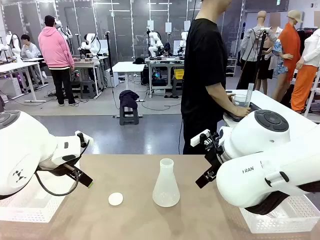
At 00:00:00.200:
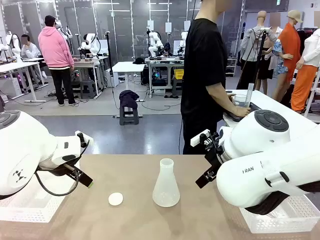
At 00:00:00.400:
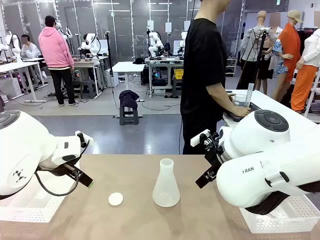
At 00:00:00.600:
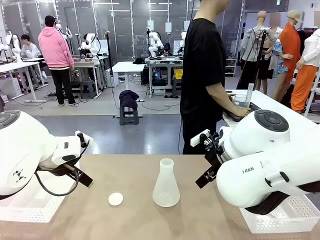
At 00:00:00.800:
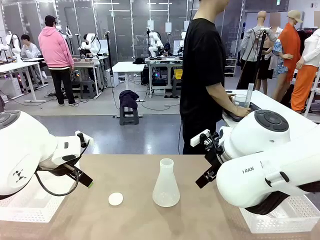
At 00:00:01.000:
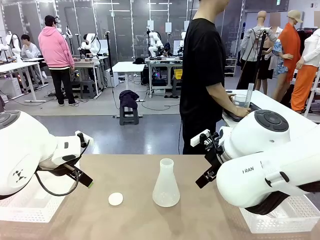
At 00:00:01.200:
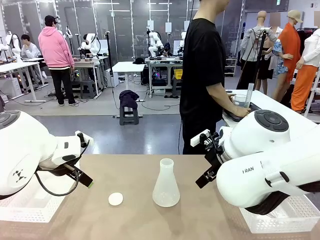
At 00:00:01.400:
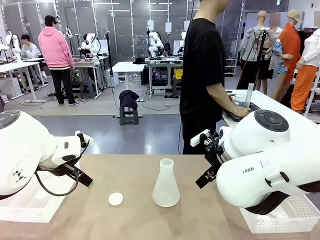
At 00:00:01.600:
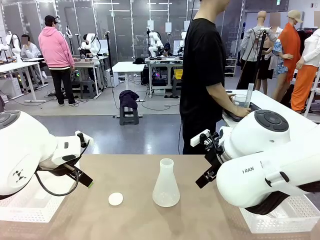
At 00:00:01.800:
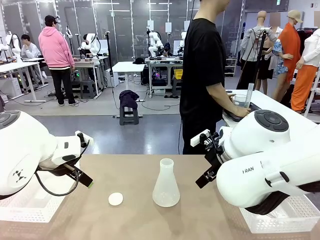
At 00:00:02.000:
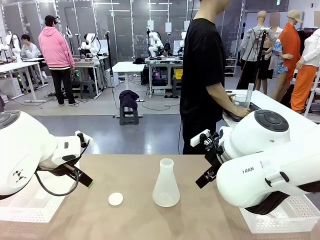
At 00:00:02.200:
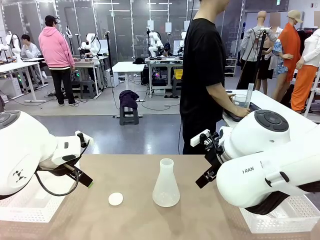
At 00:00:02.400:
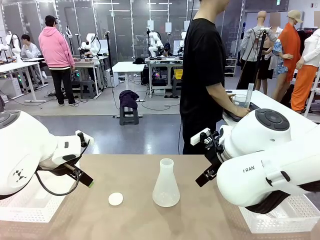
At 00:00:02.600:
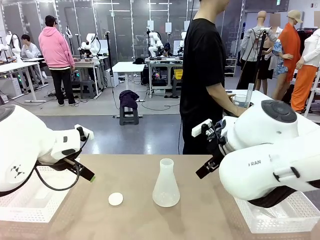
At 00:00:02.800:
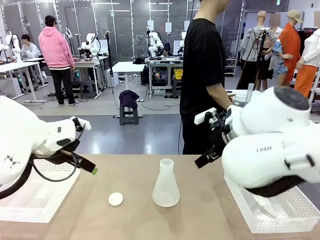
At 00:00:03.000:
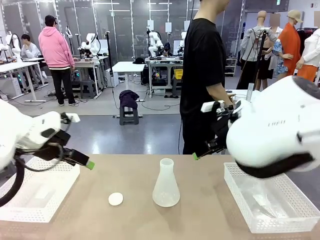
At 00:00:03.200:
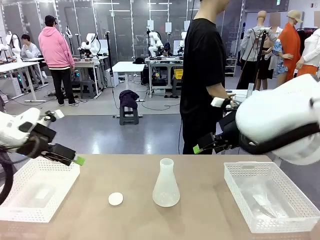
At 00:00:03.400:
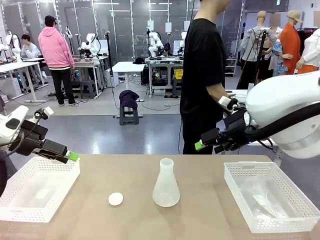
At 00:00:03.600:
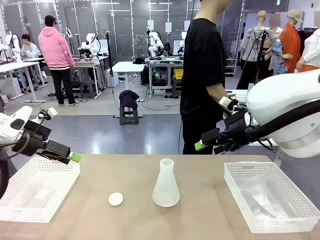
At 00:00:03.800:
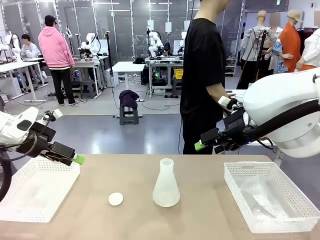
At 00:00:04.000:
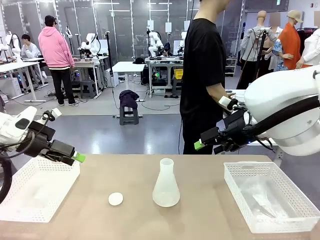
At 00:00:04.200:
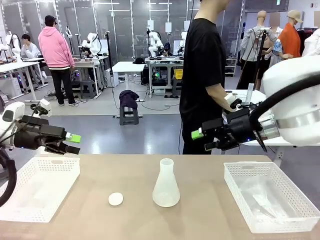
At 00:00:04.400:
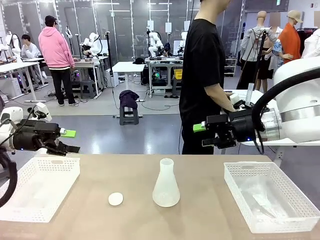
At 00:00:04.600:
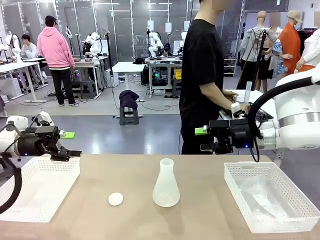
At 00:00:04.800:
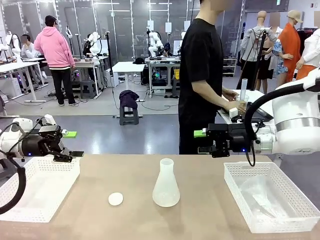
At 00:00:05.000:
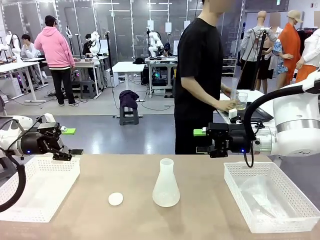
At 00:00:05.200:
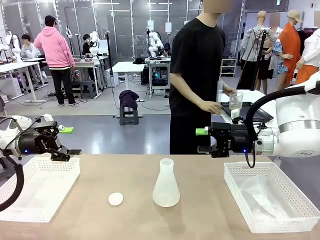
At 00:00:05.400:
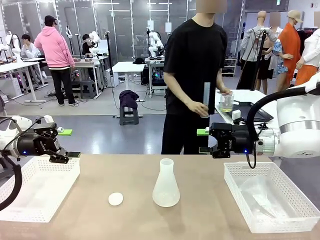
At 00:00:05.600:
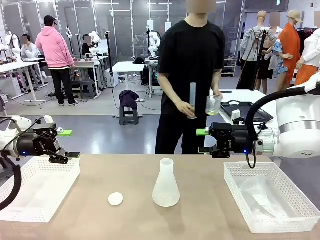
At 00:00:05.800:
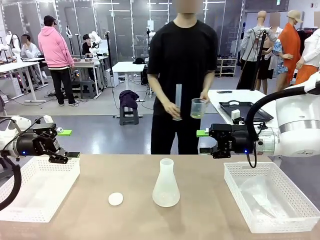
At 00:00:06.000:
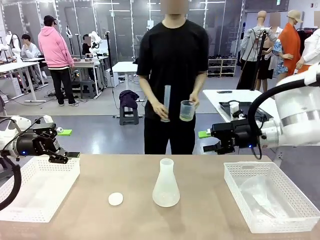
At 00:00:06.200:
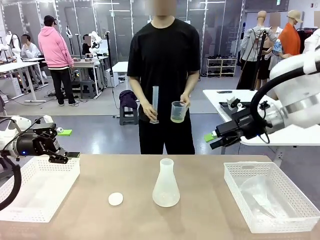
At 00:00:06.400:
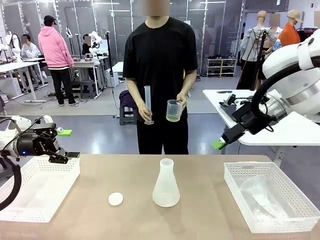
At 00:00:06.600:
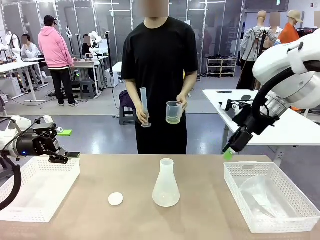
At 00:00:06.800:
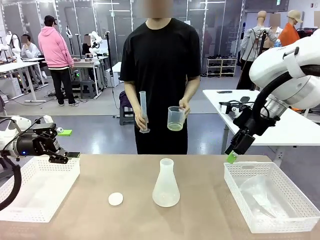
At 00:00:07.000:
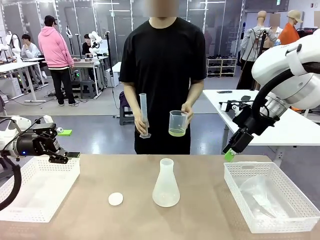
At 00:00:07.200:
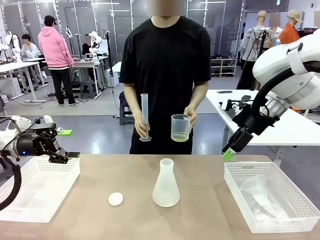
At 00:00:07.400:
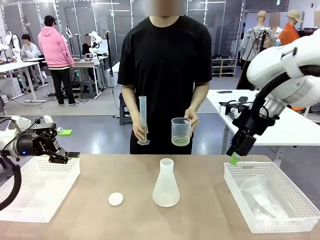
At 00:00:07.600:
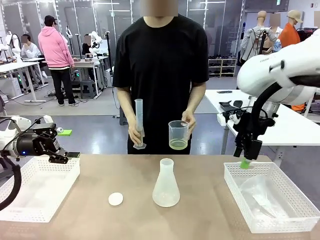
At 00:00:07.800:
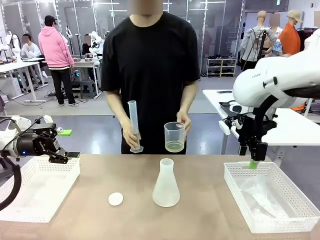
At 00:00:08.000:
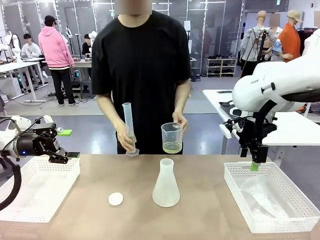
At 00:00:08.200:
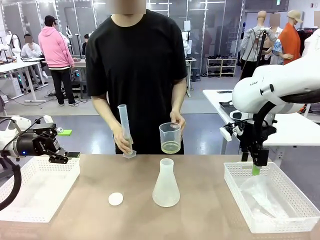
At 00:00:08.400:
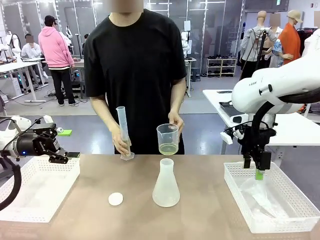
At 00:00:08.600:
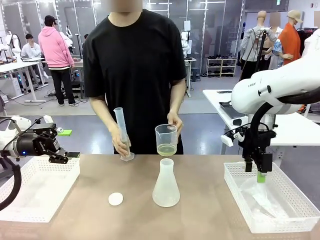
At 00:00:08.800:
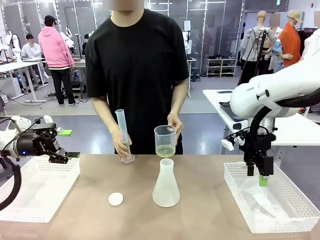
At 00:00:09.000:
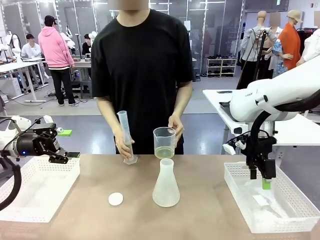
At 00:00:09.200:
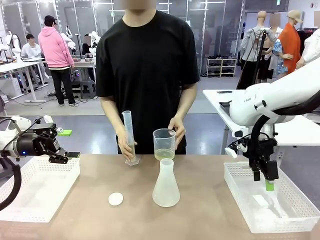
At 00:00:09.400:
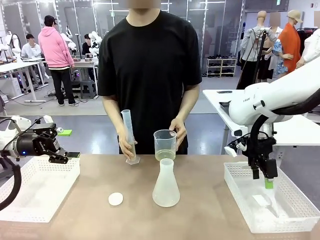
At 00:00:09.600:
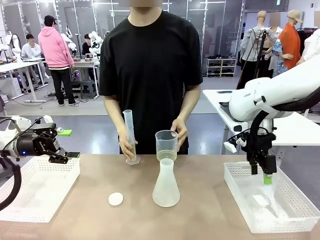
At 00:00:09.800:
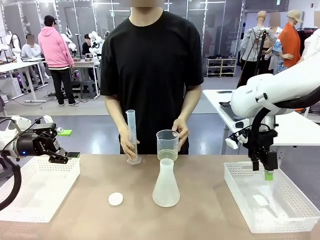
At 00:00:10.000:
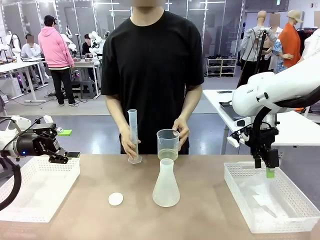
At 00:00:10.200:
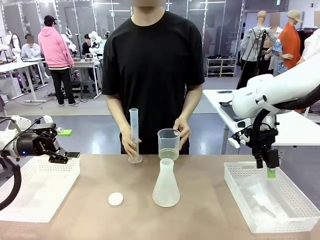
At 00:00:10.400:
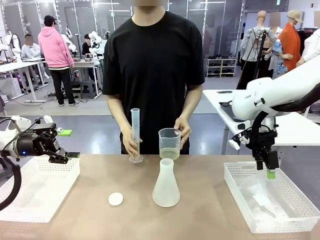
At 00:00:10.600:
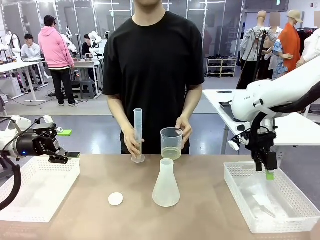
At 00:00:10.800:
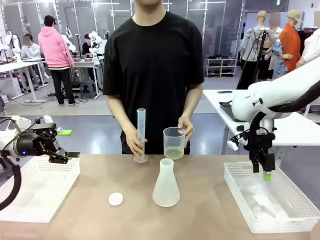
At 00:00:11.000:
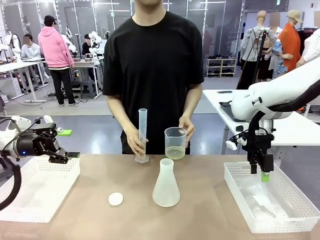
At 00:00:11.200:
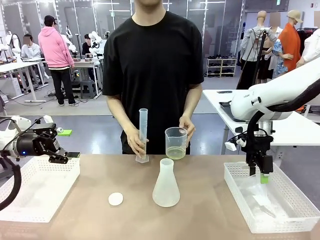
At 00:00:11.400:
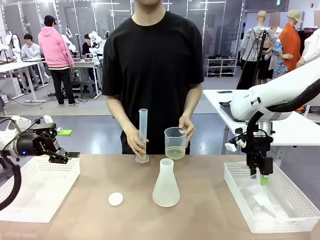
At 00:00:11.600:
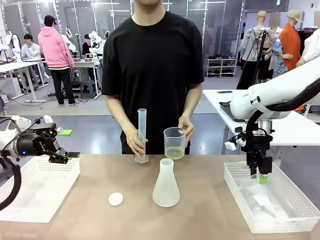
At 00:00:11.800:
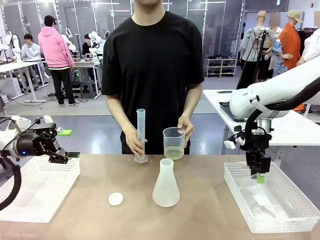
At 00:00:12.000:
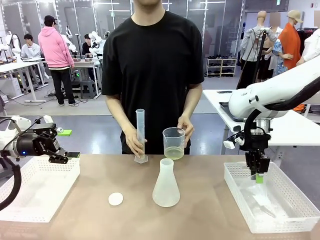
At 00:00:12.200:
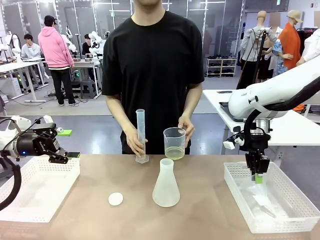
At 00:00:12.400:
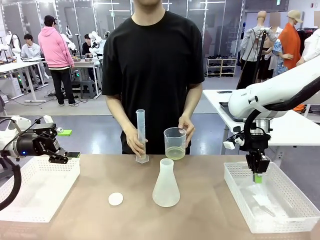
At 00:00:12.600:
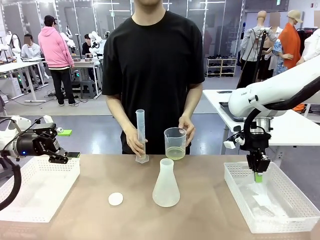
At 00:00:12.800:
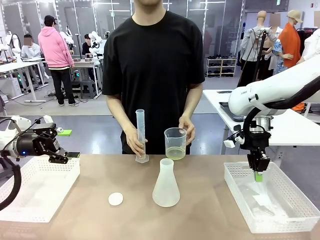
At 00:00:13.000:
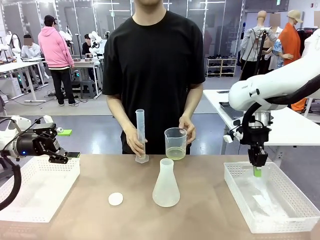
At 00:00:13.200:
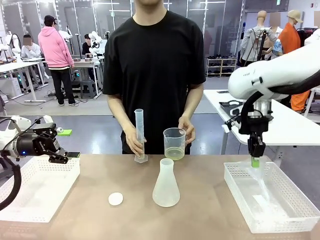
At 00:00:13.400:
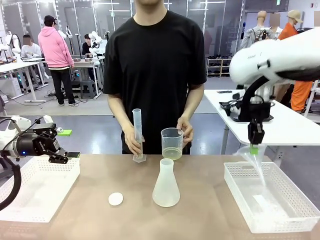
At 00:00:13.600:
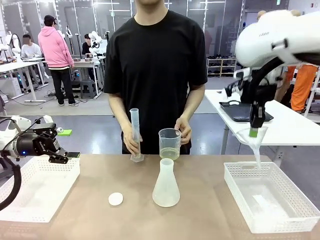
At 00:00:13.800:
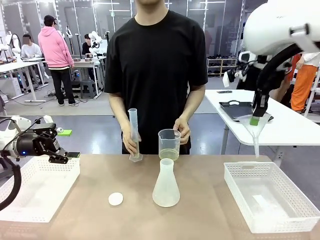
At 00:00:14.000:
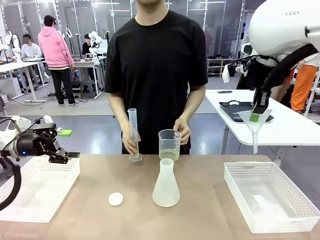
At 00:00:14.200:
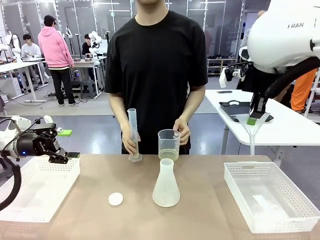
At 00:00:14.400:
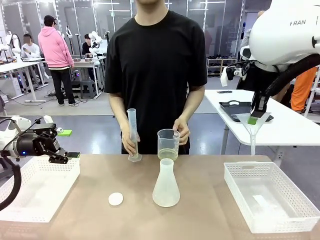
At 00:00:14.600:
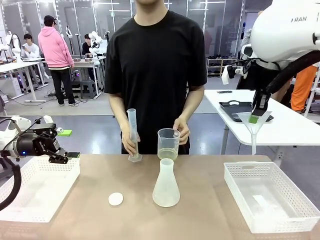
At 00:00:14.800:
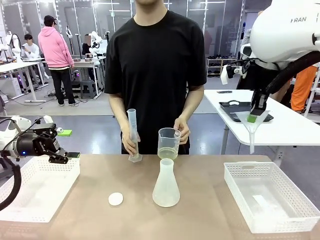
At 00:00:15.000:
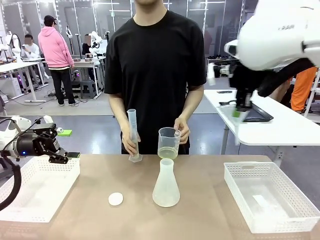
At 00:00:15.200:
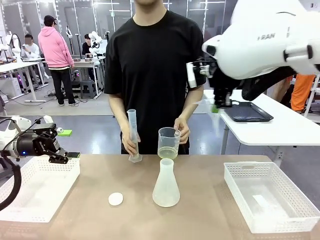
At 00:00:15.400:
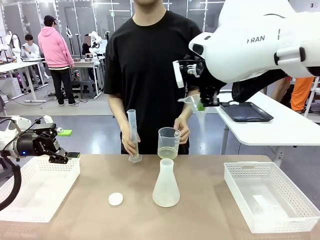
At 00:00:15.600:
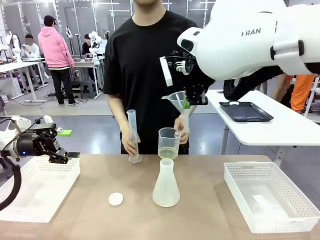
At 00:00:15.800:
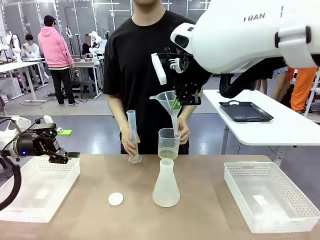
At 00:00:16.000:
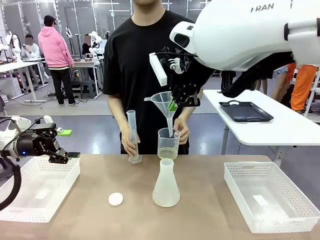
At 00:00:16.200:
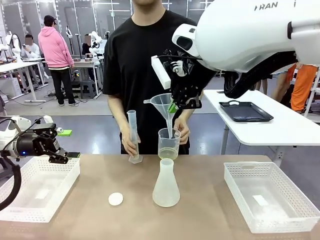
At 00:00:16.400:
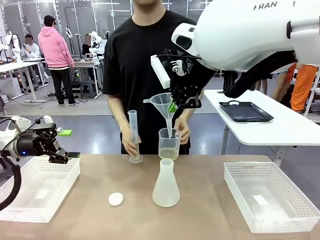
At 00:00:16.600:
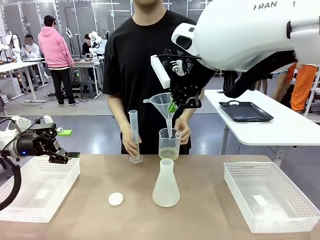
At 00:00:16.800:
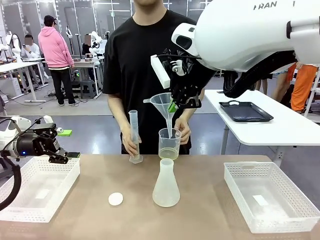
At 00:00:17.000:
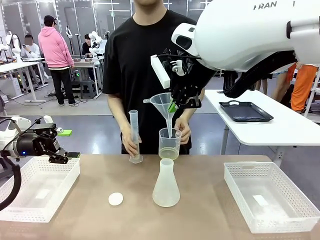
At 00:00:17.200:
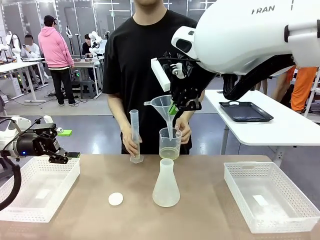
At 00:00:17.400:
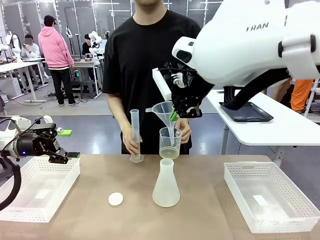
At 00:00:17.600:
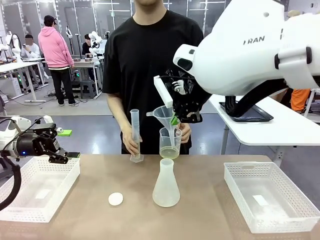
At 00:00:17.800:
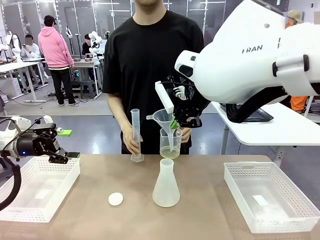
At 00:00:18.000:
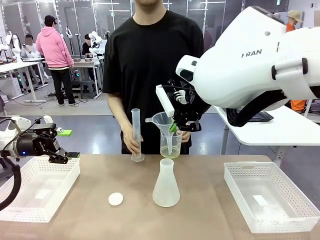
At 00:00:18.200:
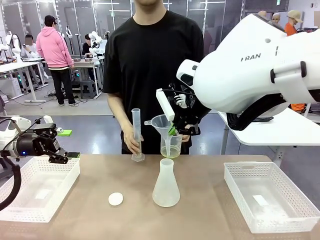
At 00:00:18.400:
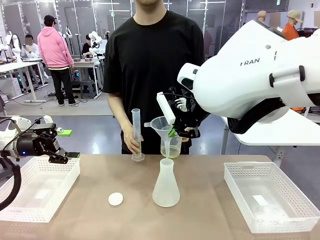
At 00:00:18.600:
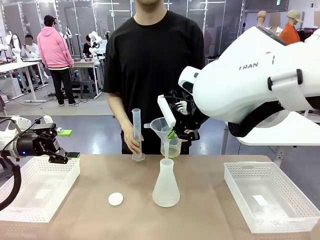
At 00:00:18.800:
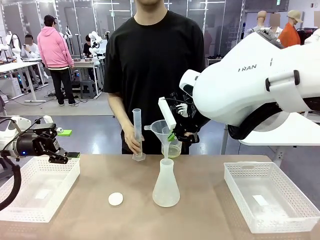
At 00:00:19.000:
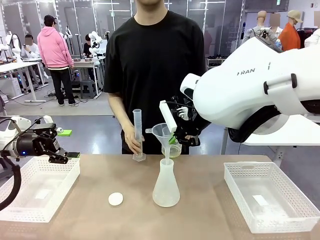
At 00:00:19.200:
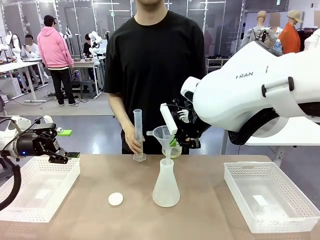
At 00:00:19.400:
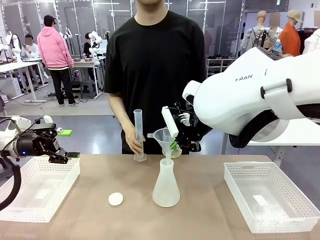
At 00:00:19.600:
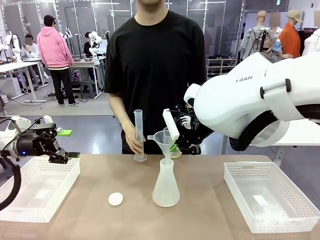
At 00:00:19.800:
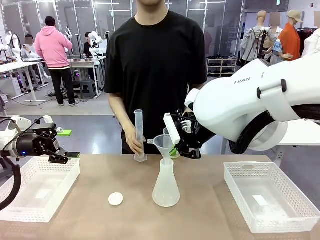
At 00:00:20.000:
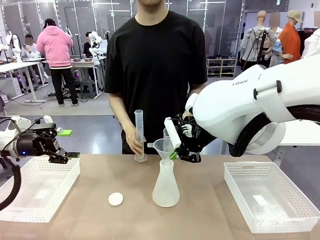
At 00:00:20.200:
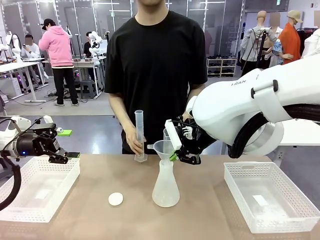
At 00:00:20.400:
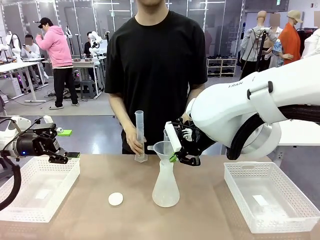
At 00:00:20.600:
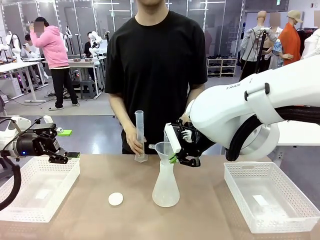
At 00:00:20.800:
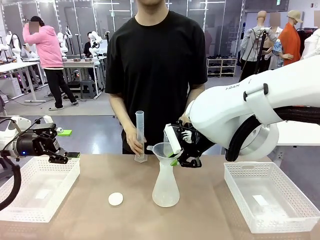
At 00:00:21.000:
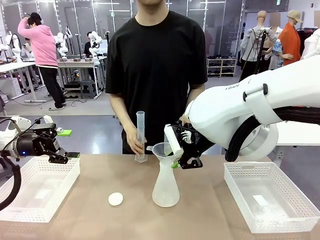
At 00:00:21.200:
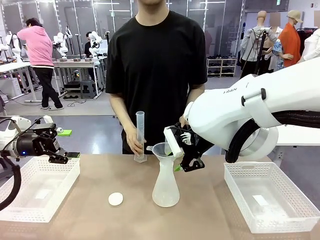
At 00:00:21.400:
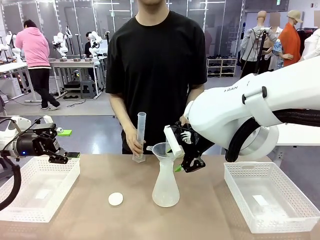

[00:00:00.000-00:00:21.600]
Task: Prepare the solutions needed for the experiment.
Robot: Pick up the Plastic Funnel and insert it into the Big flask.
Person: Pick up the beaker and the cylinder and move to the middle of the robot table. Pour the solution from the beaker and the cylinder into the flask.
